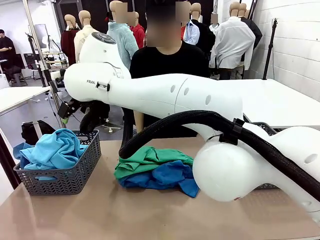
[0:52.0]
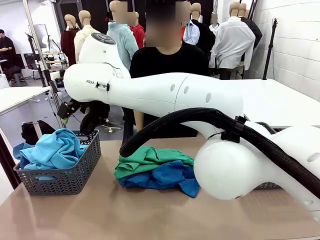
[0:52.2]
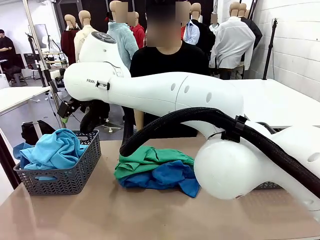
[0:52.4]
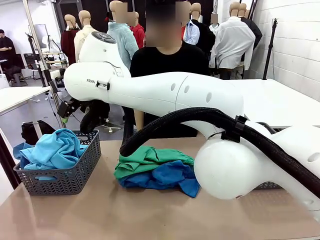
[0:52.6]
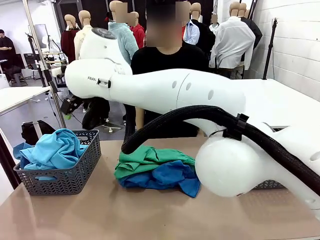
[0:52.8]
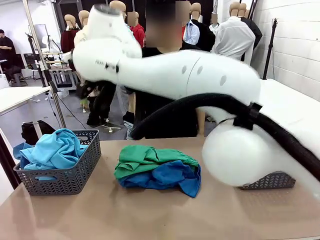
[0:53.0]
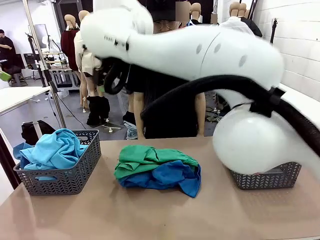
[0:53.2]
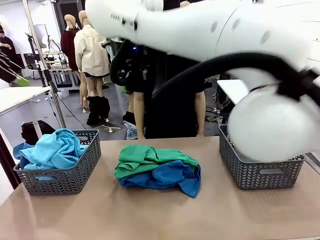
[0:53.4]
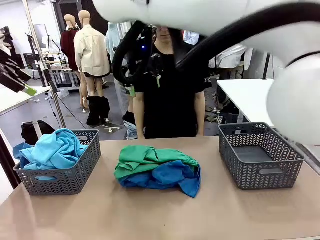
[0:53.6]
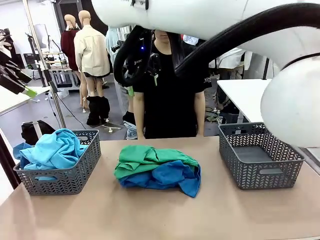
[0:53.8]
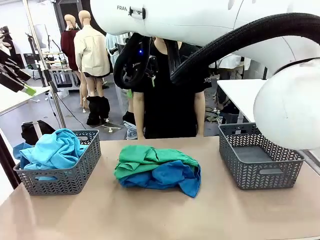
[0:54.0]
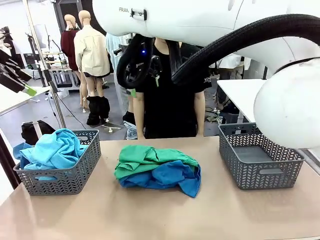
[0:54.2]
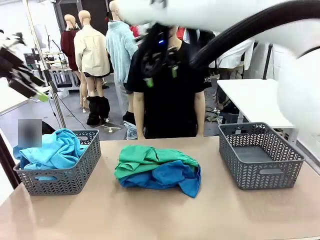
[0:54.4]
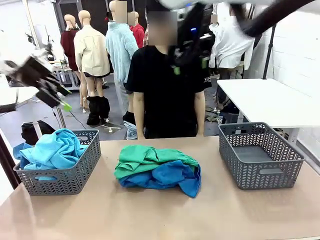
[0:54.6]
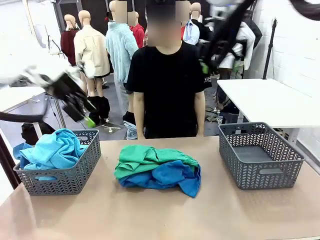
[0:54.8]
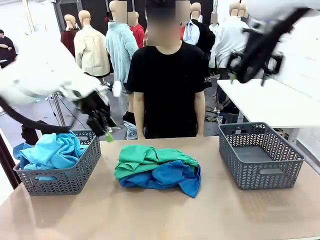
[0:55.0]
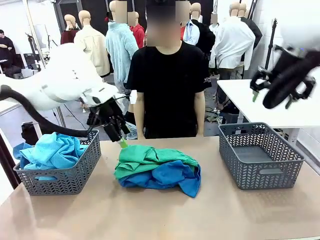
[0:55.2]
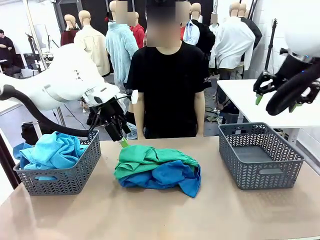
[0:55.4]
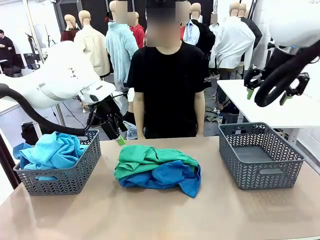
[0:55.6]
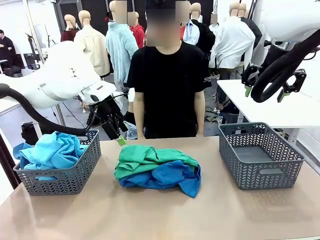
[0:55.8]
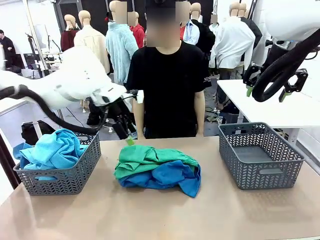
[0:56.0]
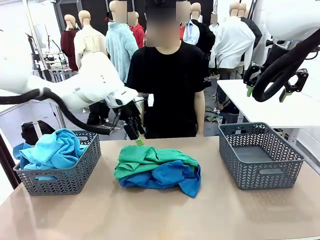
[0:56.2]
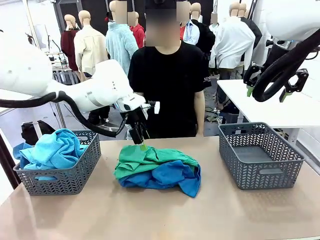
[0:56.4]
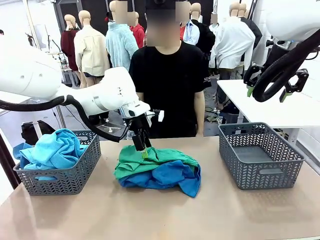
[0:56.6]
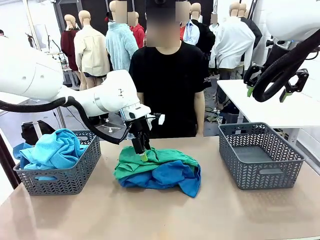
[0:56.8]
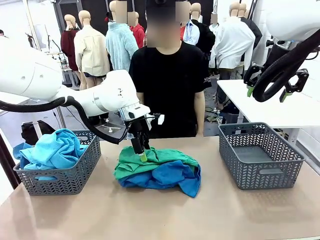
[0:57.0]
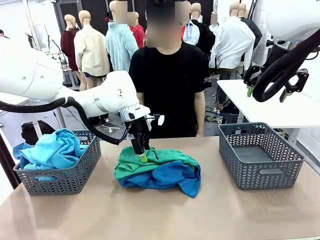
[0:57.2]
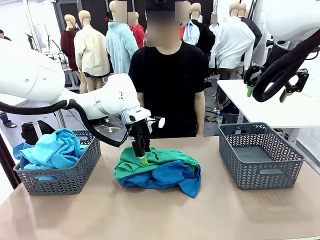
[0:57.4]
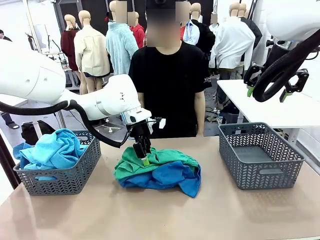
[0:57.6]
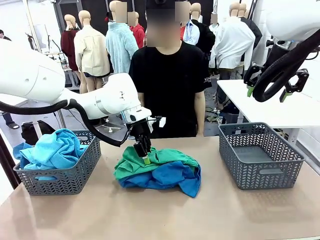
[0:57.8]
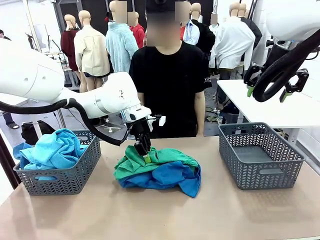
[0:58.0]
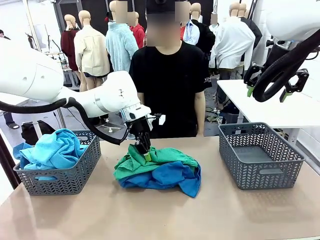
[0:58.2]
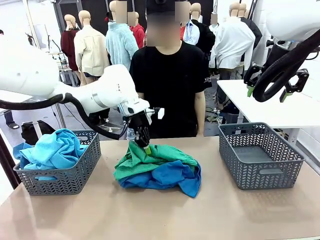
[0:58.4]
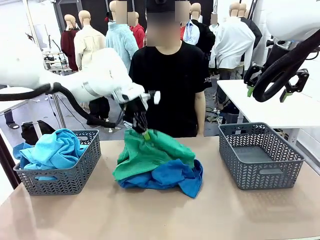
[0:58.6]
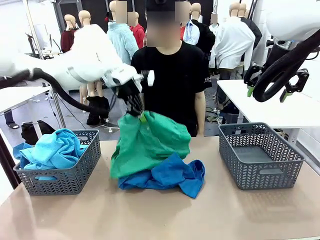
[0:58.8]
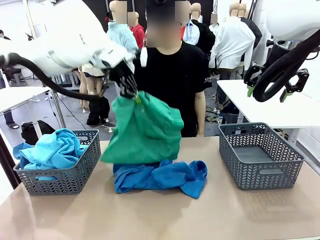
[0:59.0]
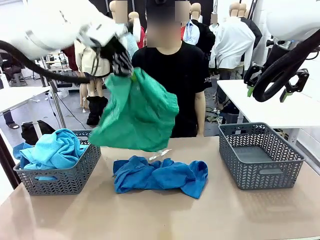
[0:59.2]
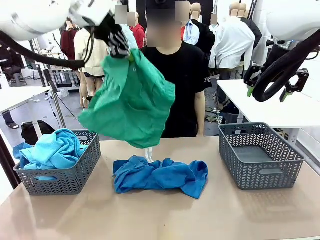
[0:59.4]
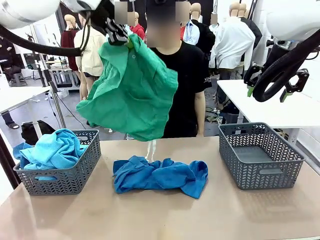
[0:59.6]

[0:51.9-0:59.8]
Task: Sort the tops and bottoms.
Robot: Lift clothes from the center of the table with your left hand.

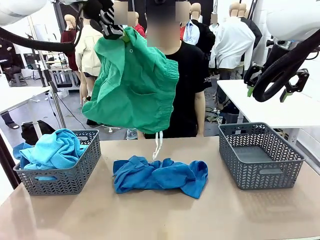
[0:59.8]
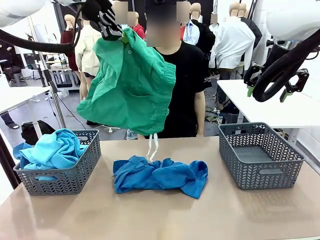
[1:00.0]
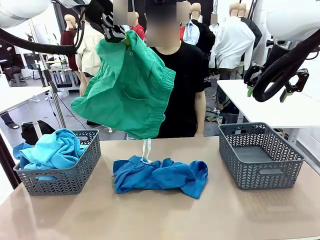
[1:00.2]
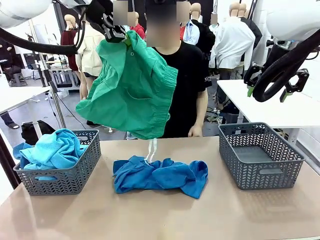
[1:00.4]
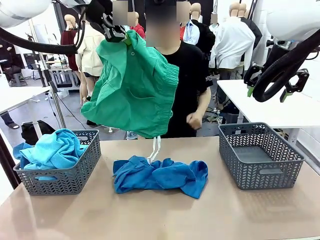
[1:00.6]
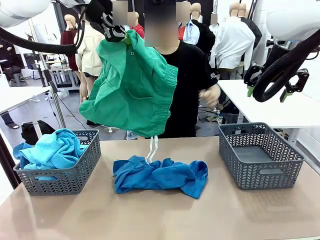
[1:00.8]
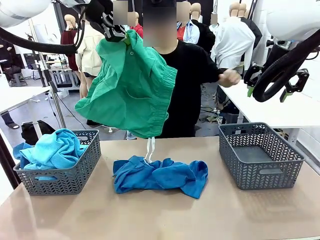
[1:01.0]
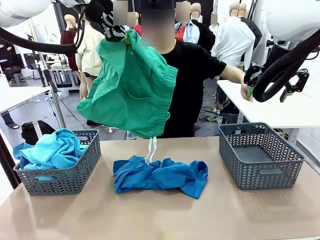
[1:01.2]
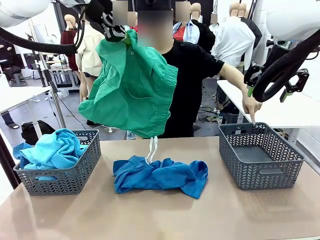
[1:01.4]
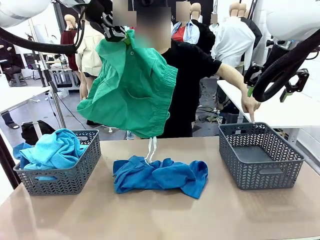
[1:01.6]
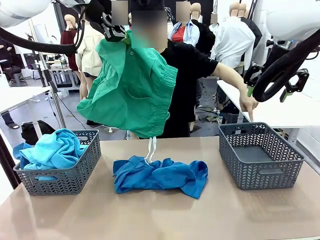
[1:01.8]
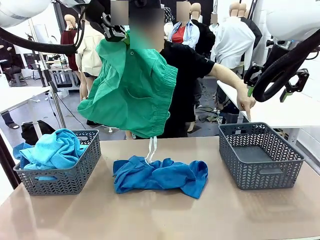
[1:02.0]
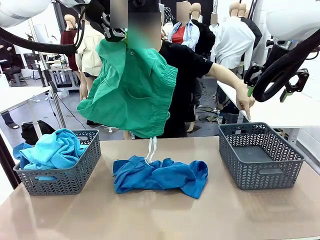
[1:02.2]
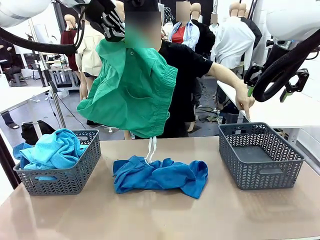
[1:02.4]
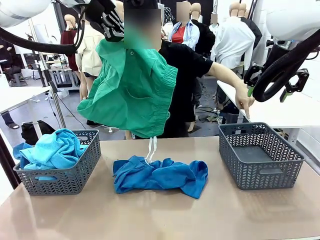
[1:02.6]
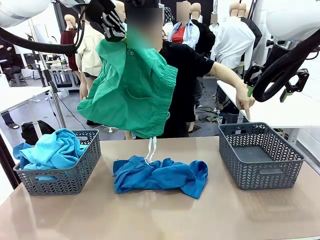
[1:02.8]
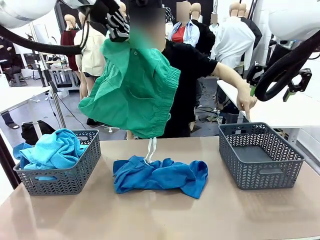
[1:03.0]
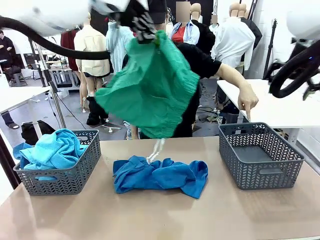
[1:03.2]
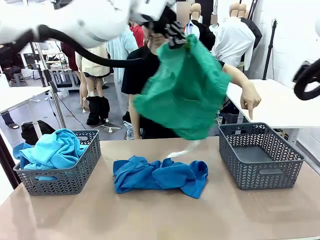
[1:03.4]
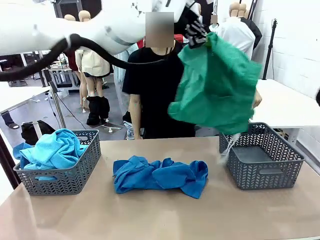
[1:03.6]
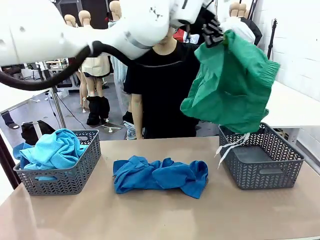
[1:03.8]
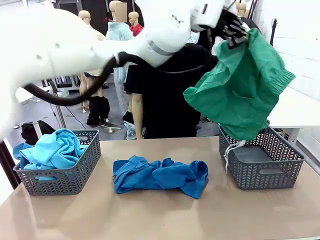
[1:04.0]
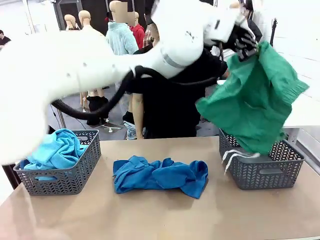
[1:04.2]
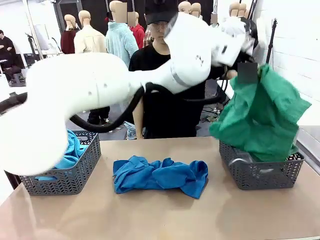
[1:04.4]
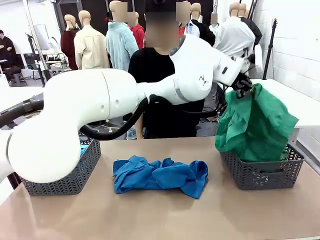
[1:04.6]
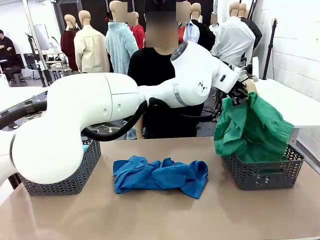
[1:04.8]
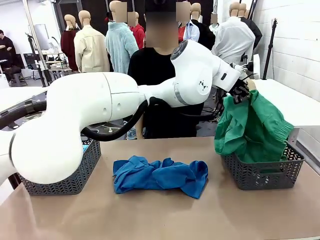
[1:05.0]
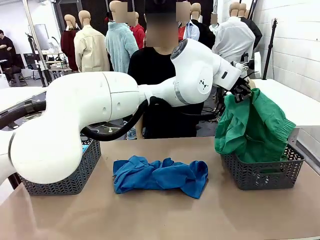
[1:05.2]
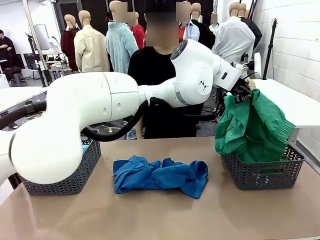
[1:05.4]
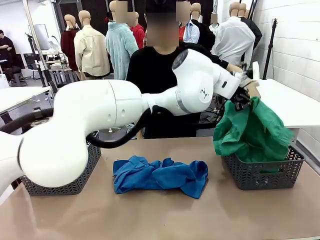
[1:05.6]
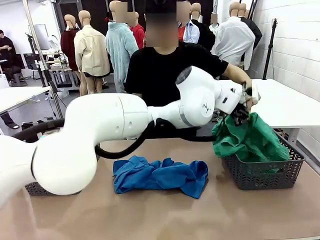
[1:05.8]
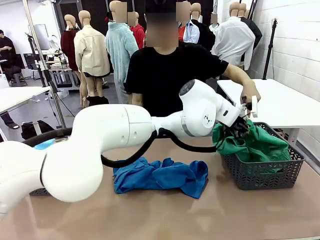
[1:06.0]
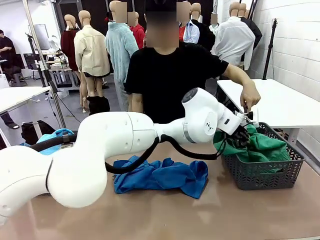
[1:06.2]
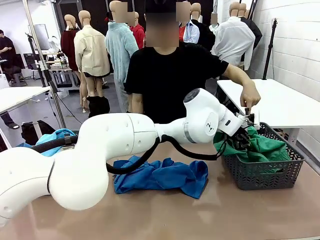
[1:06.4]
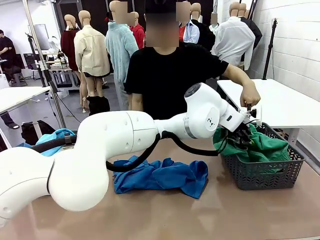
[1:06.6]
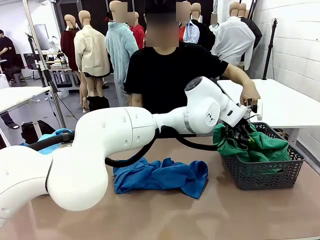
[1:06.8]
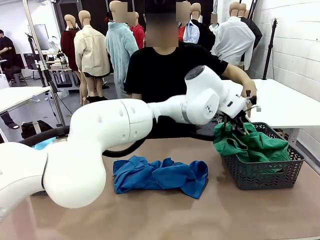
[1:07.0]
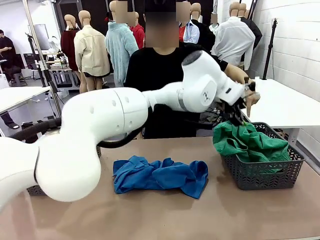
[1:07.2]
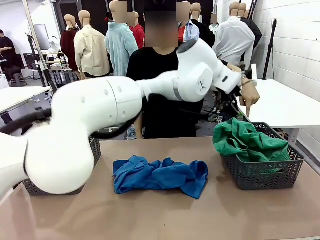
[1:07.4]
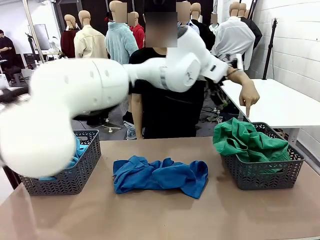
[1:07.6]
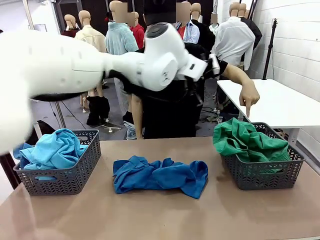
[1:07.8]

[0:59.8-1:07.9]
Robot: Sort the clothes according to human instructions.

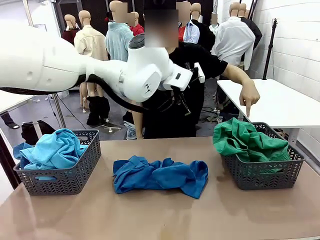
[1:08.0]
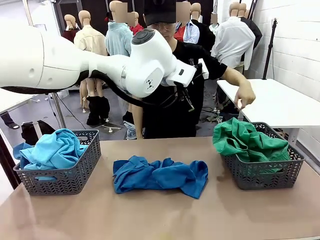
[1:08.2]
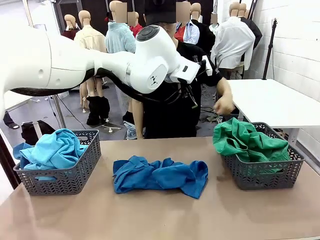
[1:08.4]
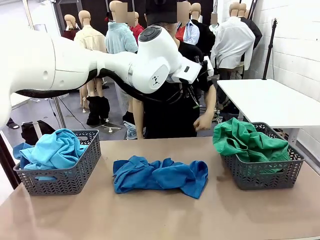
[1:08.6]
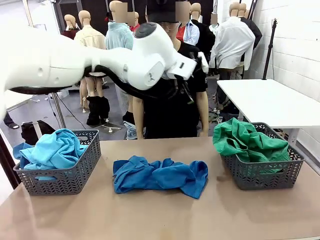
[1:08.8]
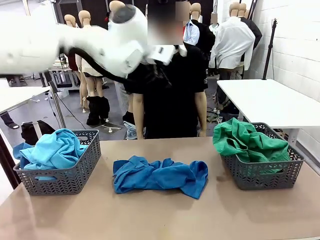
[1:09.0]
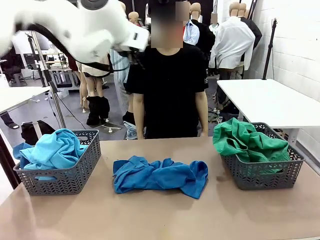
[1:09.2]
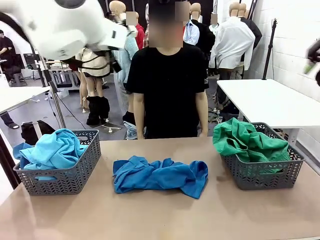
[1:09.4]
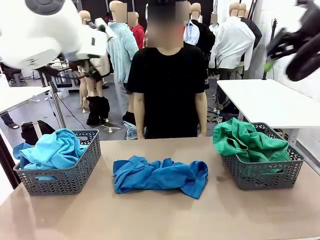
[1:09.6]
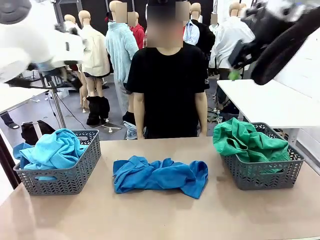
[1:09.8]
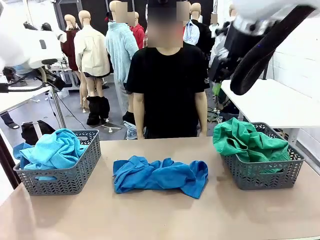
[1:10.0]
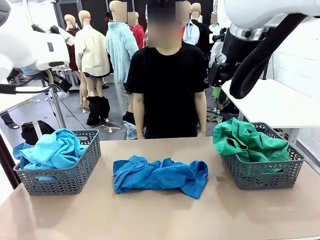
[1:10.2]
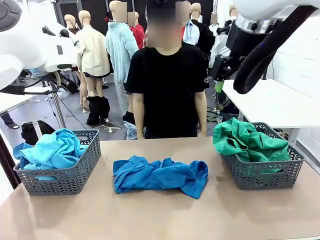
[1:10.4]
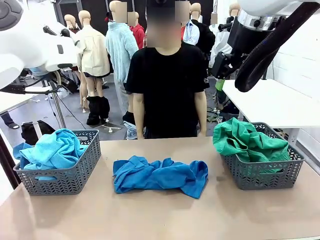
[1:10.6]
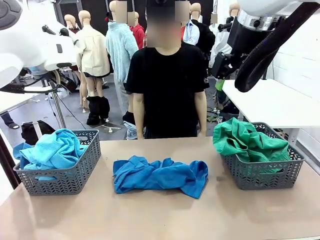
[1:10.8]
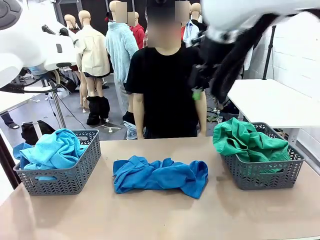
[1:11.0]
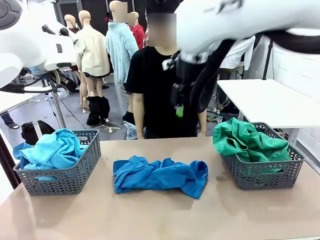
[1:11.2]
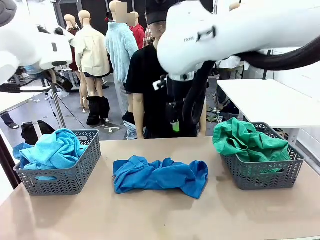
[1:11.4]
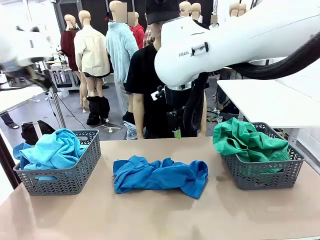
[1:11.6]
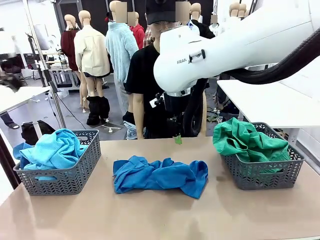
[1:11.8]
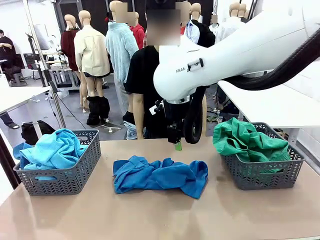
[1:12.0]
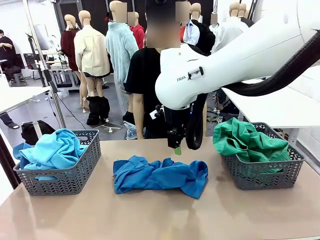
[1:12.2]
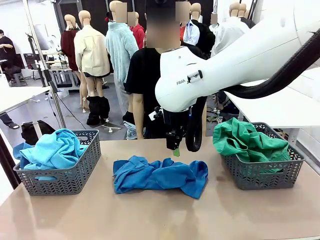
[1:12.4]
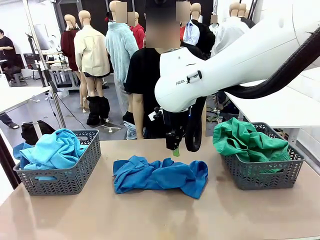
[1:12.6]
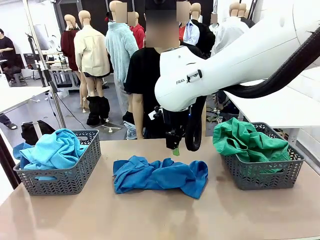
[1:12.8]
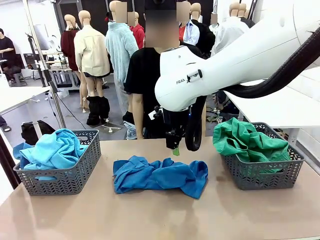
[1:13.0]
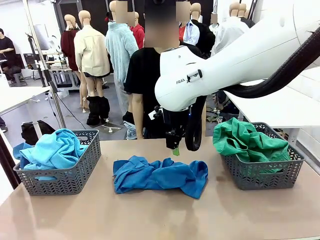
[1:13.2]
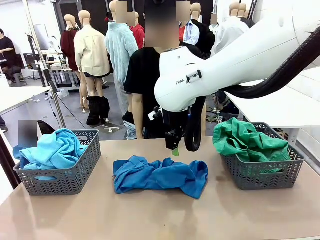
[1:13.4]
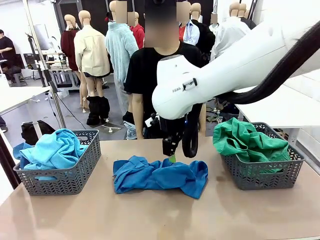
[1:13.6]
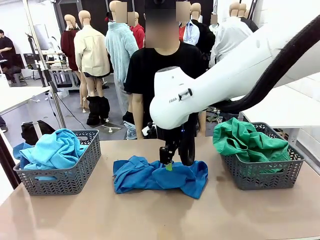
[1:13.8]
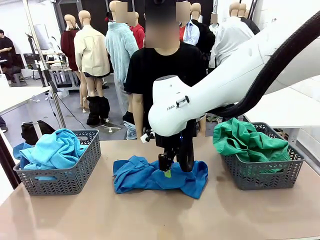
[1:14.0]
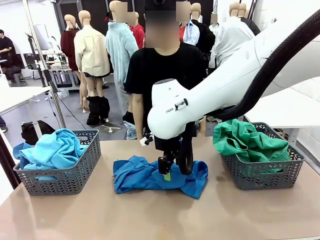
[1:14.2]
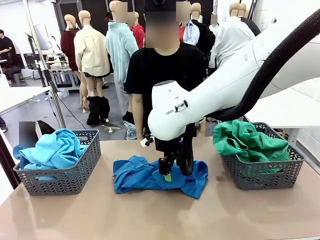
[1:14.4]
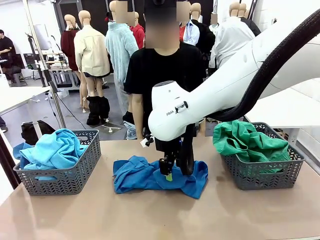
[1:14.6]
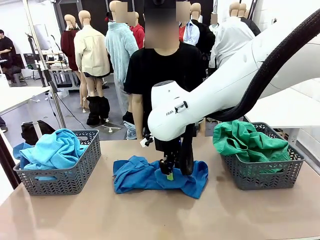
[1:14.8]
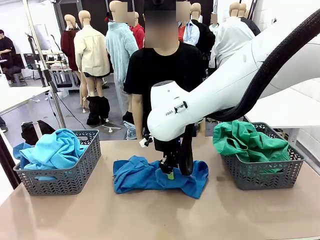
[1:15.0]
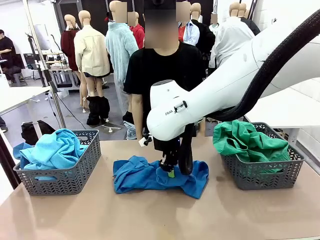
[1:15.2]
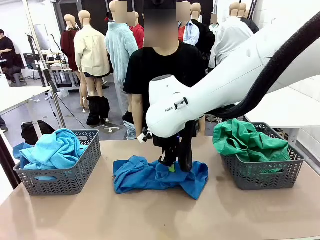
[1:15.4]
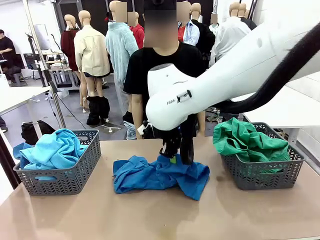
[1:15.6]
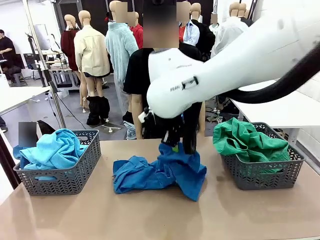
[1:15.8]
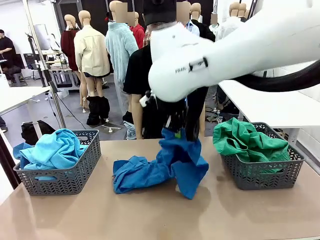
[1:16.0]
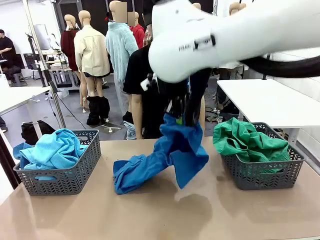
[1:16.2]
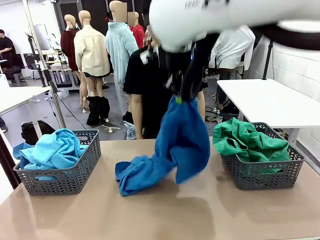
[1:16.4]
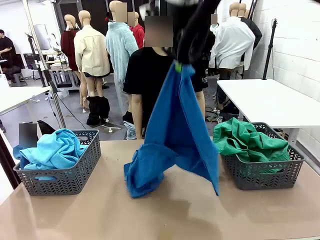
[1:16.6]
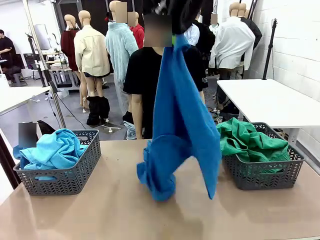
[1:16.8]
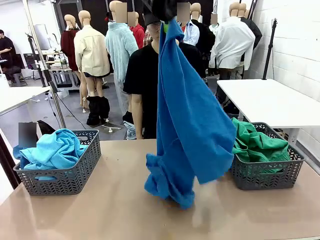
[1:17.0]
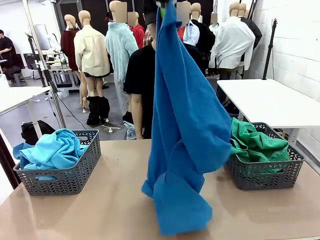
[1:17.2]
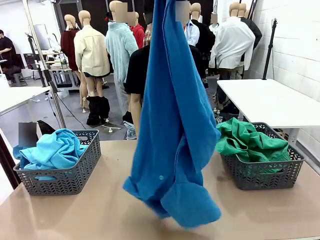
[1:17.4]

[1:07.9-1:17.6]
Robot: Lift clothes from the center of the table with your right hand.
